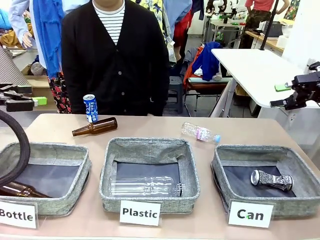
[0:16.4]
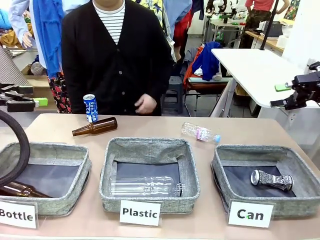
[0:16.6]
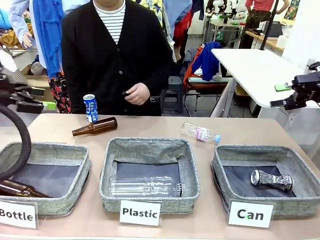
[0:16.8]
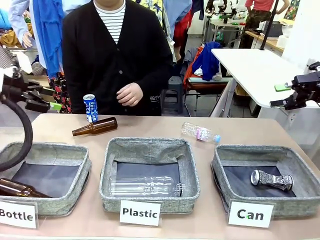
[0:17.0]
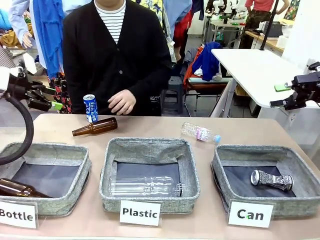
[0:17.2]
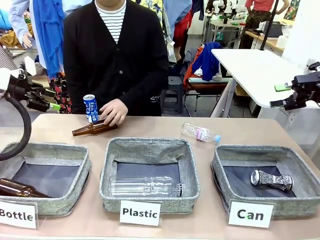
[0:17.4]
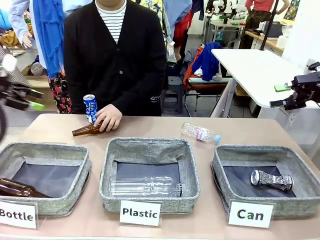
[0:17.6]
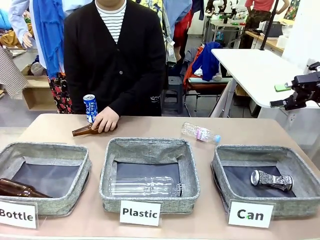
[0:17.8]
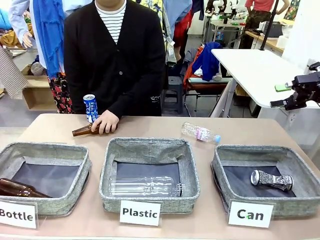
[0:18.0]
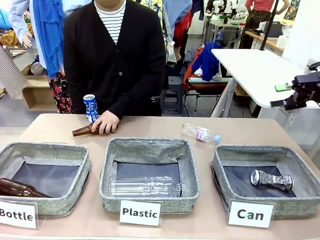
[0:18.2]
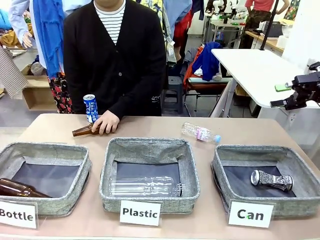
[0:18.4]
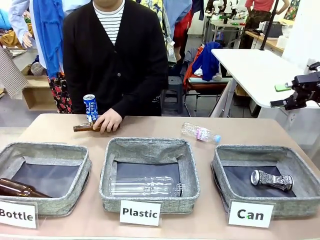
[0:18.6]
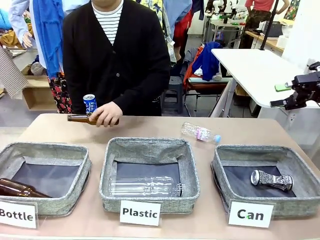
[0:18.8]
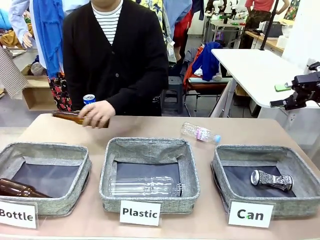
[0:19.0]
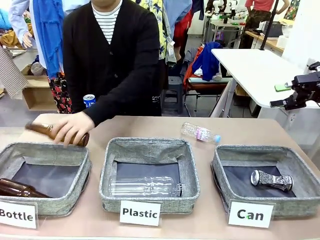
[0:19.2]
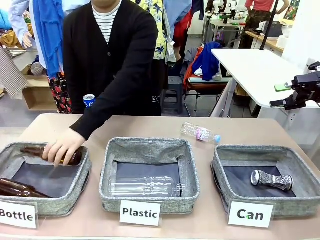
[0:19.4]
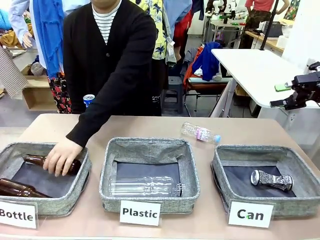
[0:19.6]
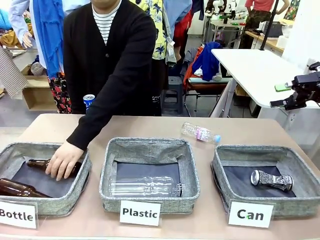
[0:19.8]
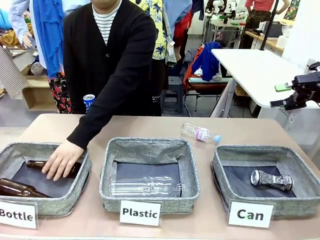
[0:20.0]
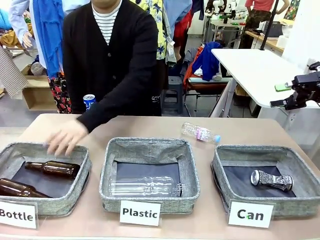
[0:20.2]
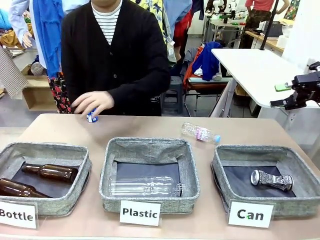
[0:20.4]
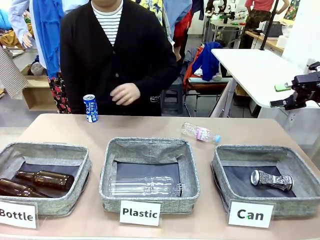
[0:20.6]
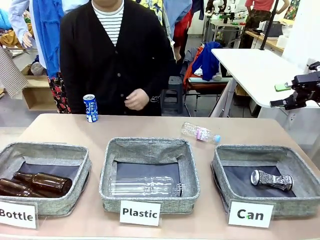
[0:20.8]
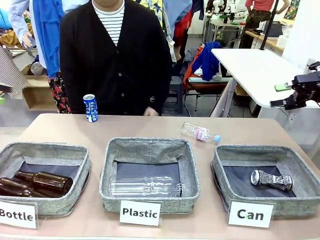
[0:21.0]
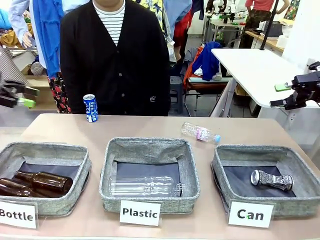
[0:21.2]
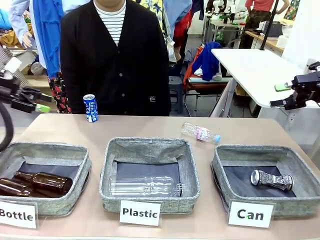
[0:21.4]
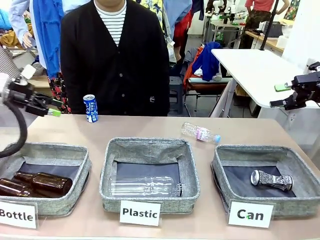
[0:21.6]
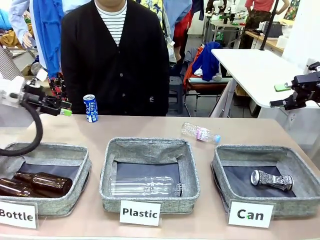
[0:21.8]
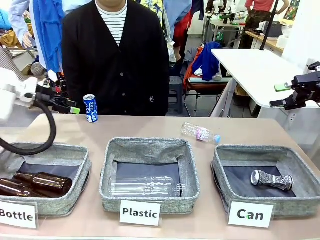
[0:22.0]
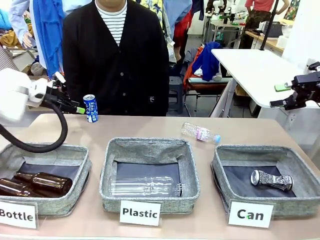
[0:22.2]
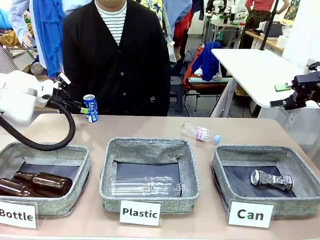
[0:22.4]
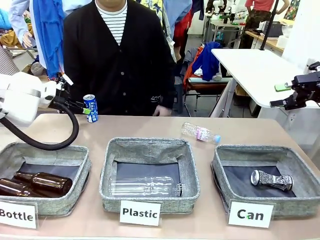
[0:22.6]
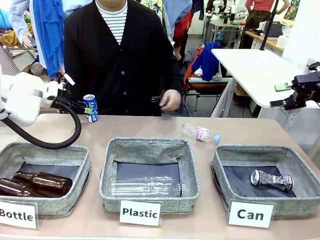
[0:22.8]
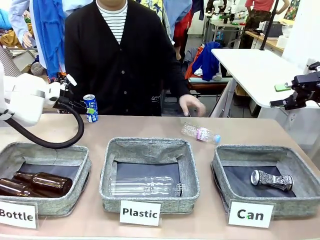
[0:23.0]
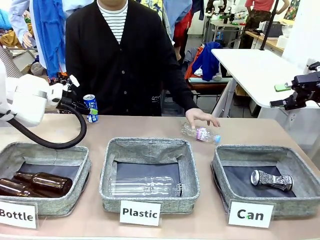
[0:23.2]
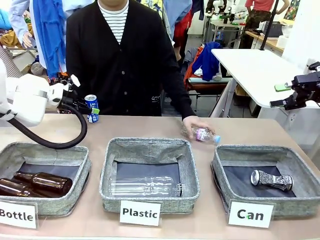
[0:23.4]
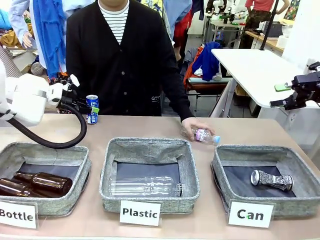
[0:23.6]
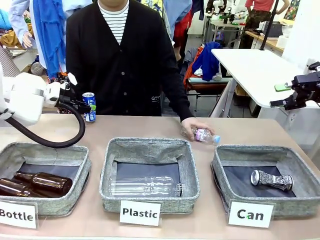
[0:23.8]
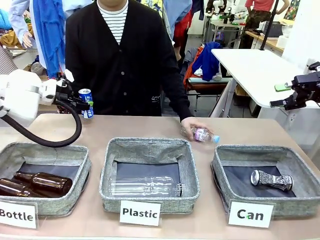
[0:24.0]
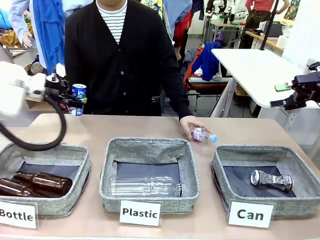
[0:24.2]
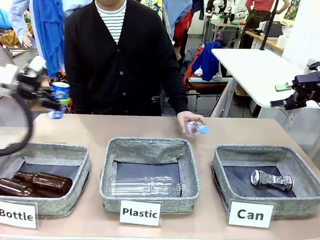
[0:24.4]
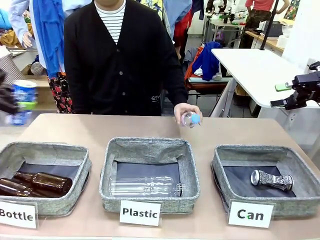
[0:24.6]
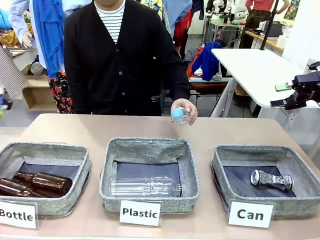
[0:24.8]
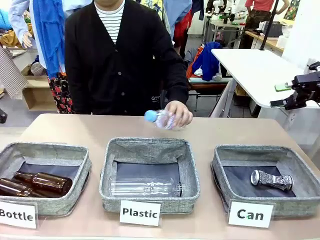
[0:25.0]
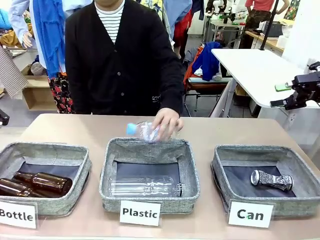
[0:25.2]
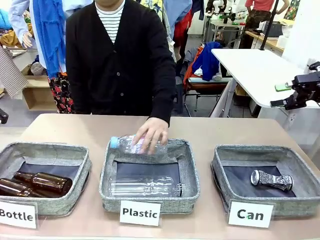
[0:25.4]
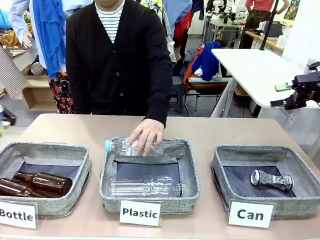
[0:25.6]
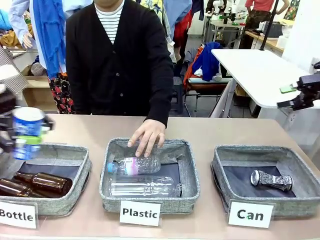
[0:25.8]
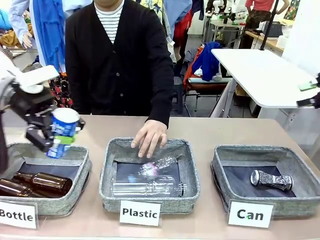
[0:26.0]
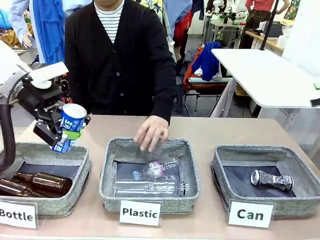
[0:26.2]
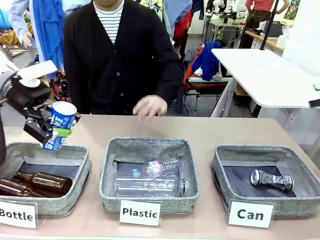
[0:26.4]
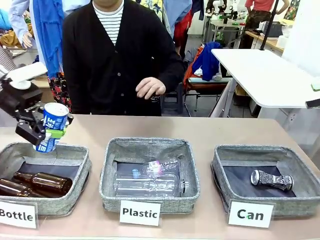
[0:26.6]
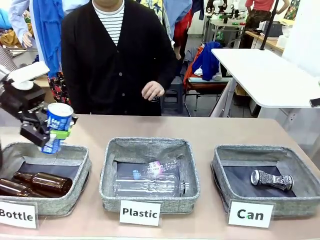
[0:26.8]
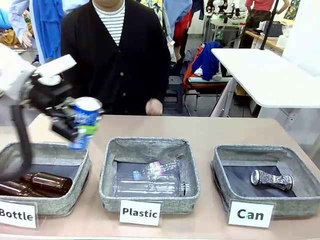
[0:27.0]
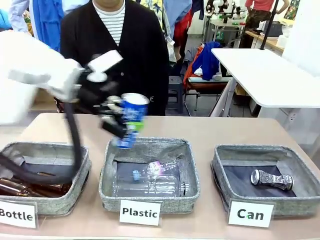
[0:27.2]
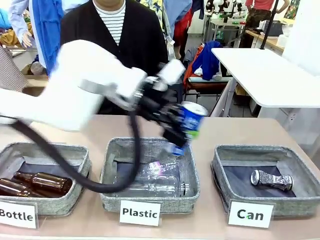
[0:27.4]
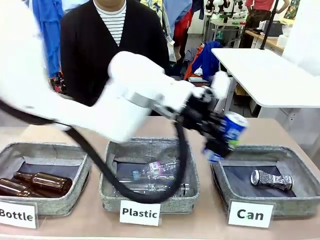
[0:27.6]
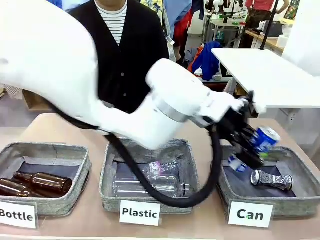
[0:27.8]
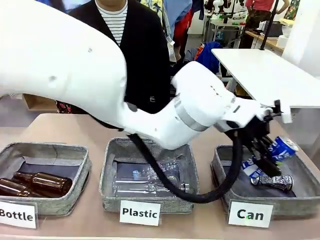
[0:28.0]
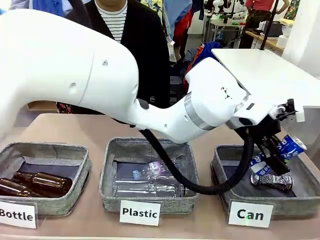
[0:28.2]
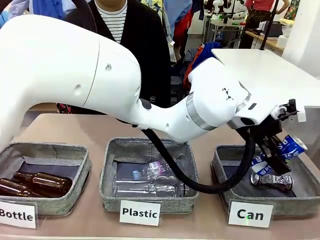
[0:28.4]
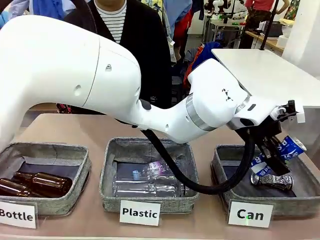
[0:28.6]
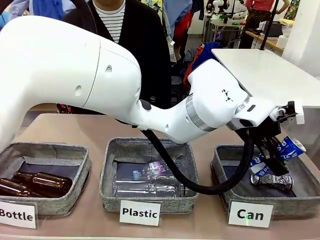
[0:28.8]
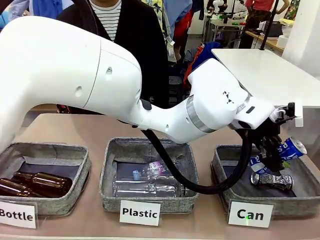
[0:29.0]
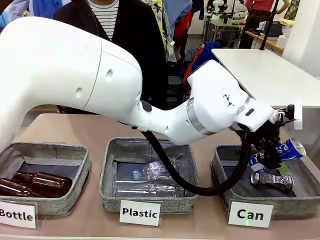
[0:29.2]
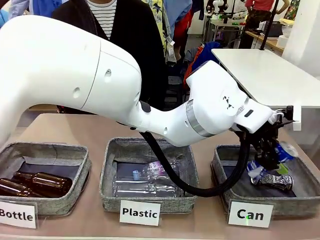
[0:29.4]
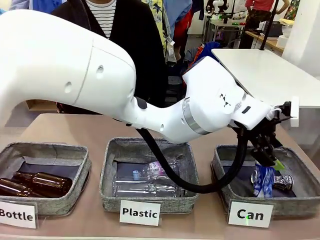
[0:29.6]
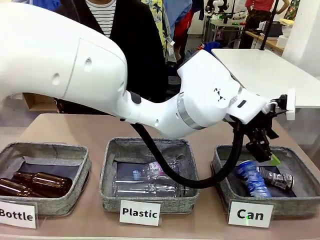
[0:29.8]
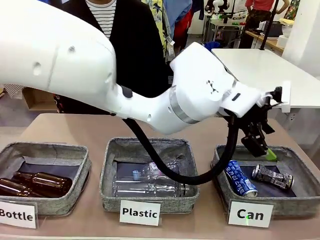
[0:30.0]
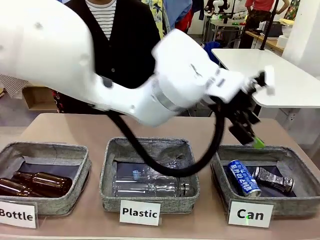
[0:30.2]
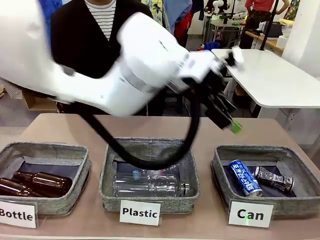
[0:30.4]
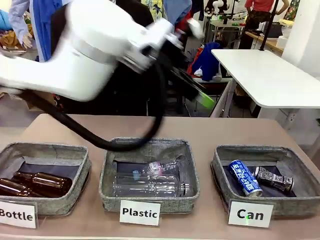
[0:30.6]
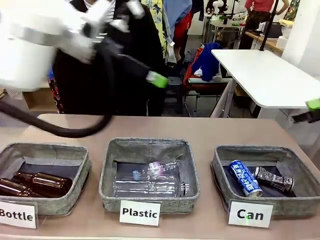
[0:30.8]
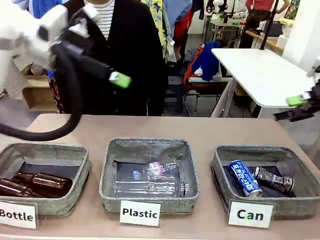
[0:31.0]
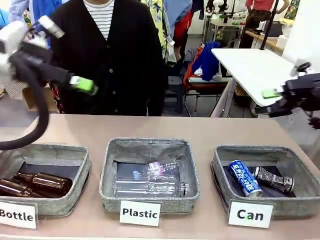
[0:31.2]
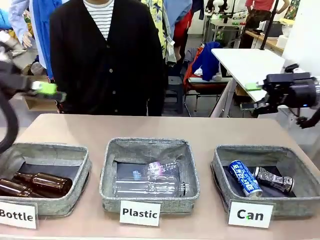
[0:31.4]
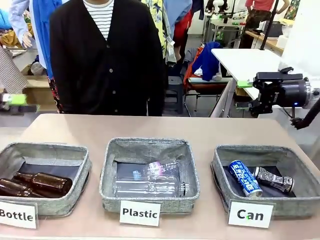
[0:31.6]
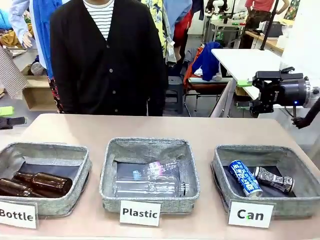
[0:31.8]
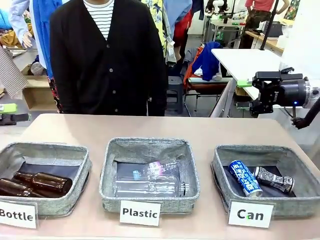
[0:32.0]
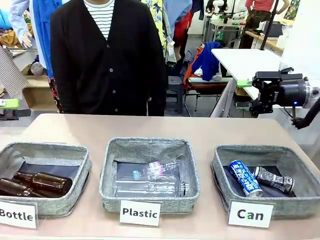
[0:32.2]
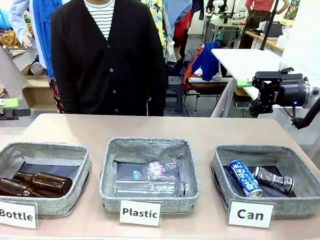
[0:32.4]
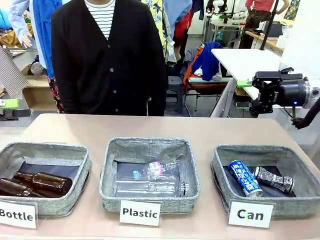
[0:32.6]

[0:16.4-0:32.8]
Task: Sort the can waste into the basket.
Robot: Pick up the can waste from the table and place it in the right Fabric basket.
